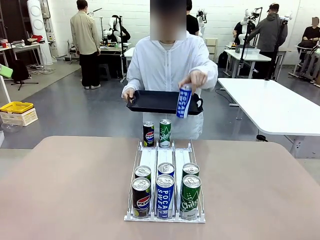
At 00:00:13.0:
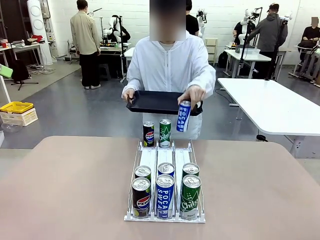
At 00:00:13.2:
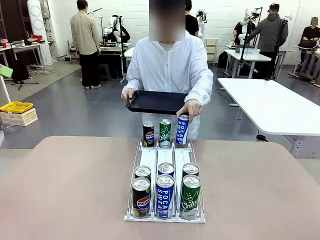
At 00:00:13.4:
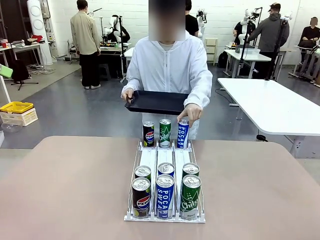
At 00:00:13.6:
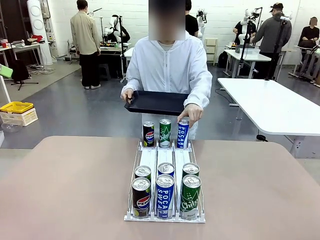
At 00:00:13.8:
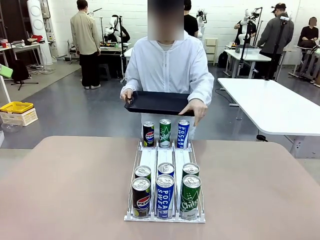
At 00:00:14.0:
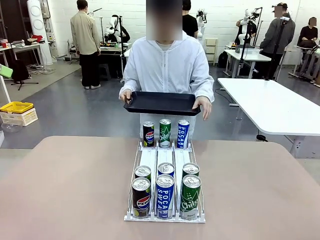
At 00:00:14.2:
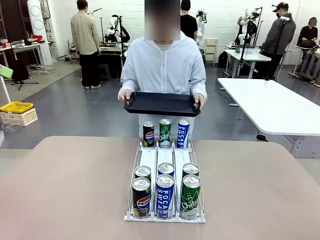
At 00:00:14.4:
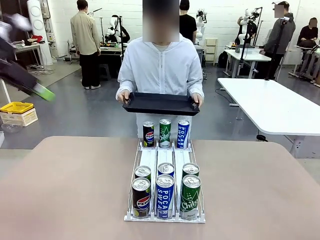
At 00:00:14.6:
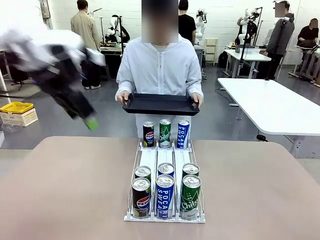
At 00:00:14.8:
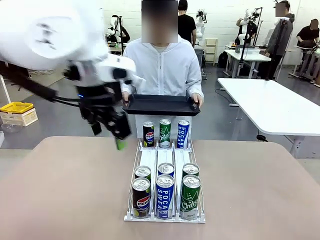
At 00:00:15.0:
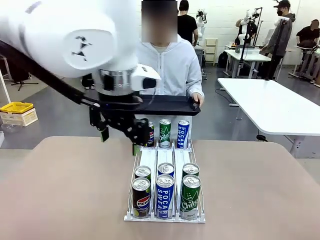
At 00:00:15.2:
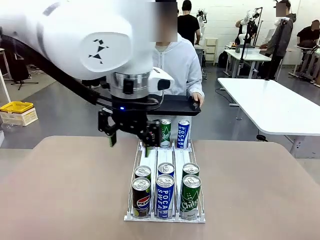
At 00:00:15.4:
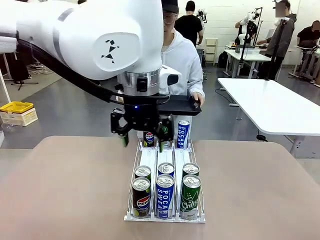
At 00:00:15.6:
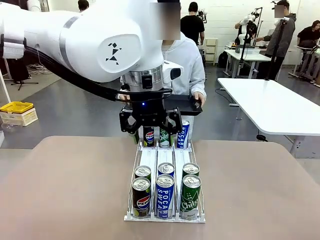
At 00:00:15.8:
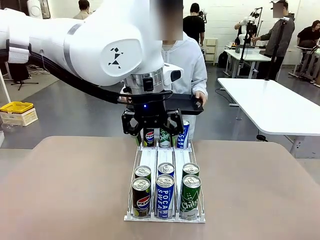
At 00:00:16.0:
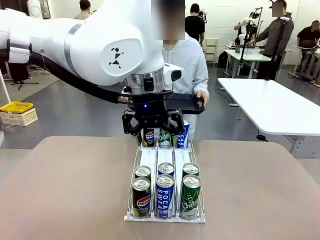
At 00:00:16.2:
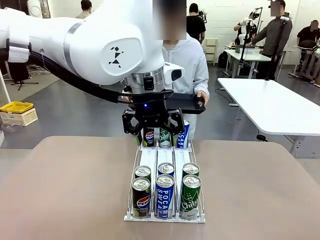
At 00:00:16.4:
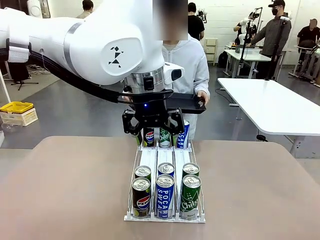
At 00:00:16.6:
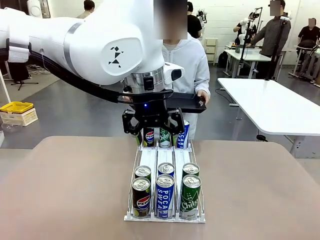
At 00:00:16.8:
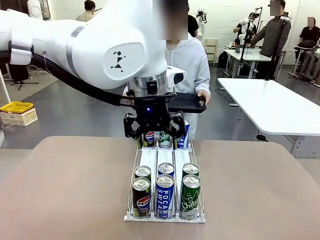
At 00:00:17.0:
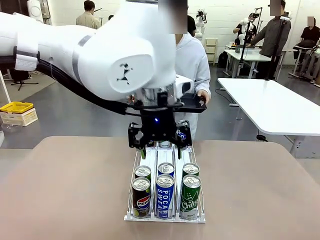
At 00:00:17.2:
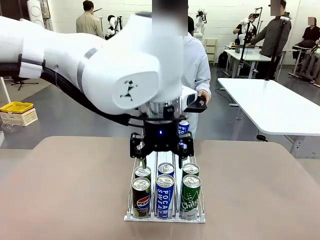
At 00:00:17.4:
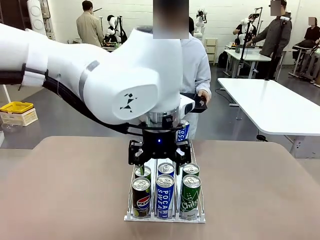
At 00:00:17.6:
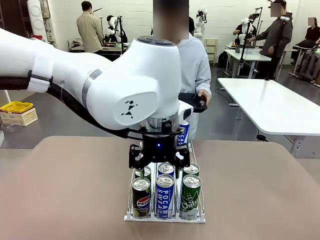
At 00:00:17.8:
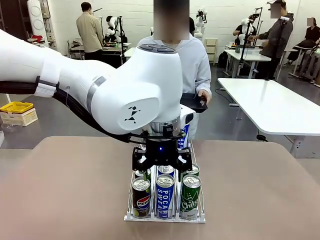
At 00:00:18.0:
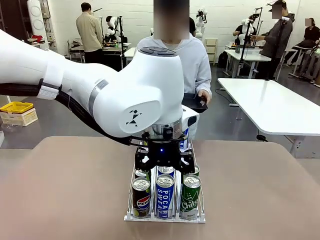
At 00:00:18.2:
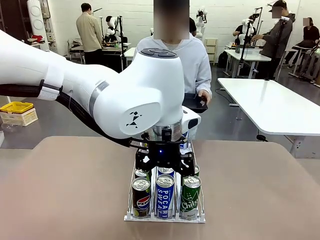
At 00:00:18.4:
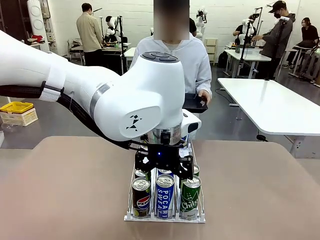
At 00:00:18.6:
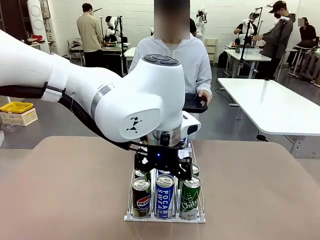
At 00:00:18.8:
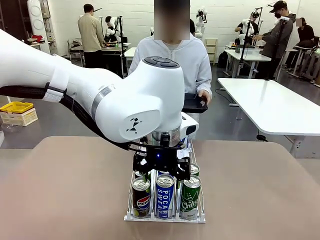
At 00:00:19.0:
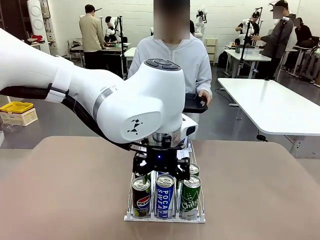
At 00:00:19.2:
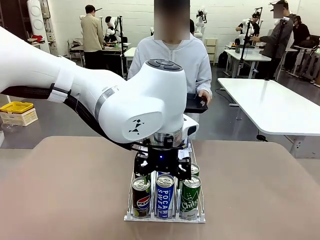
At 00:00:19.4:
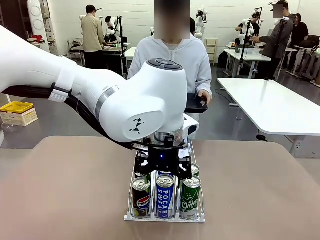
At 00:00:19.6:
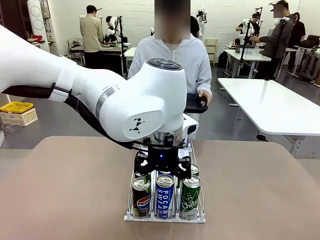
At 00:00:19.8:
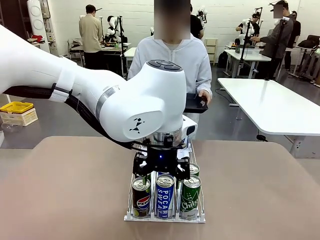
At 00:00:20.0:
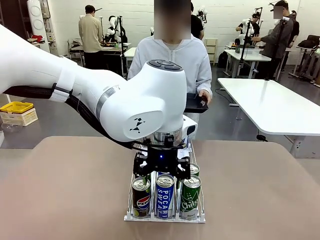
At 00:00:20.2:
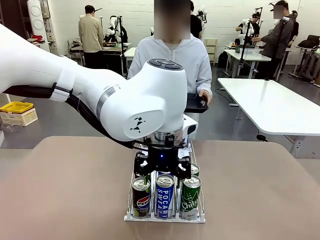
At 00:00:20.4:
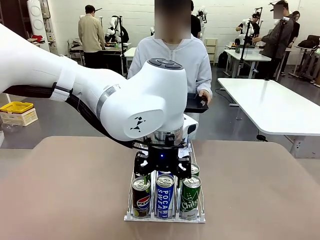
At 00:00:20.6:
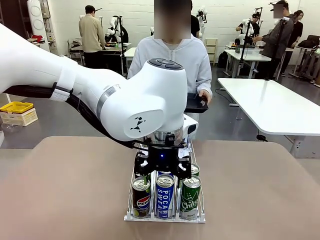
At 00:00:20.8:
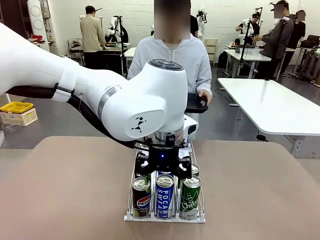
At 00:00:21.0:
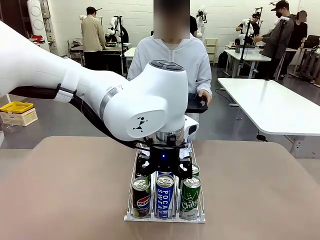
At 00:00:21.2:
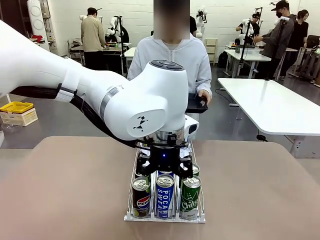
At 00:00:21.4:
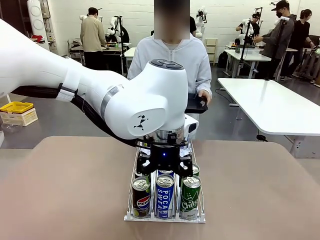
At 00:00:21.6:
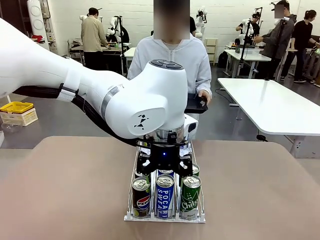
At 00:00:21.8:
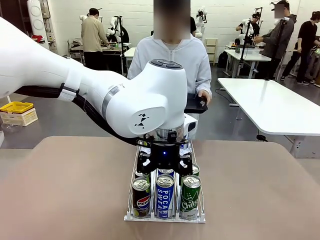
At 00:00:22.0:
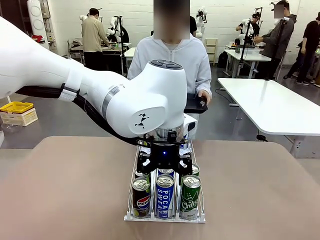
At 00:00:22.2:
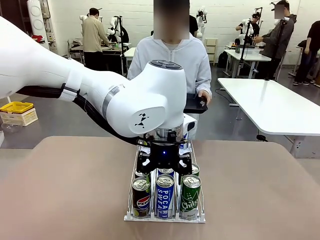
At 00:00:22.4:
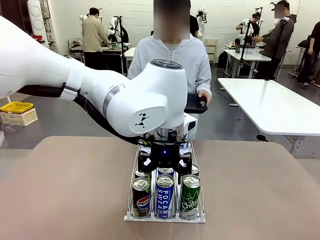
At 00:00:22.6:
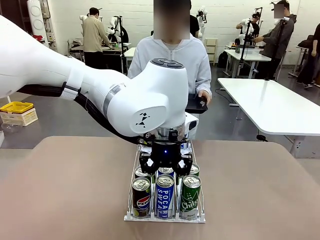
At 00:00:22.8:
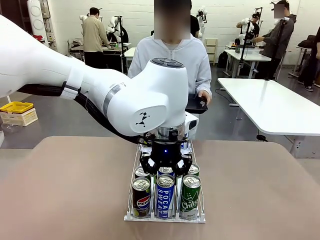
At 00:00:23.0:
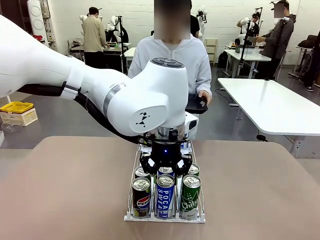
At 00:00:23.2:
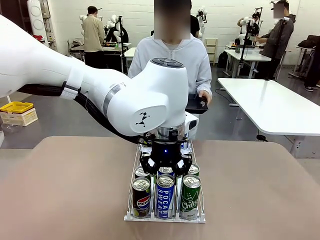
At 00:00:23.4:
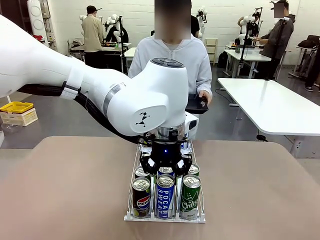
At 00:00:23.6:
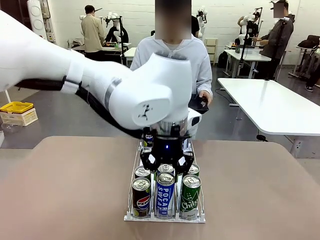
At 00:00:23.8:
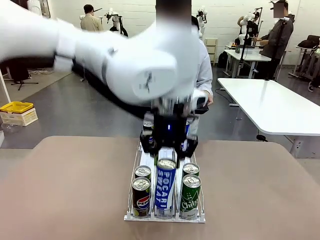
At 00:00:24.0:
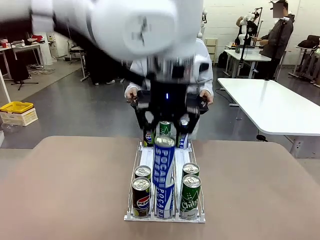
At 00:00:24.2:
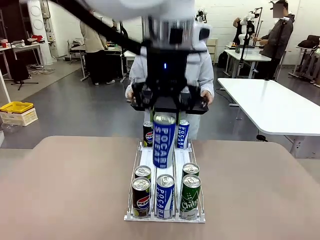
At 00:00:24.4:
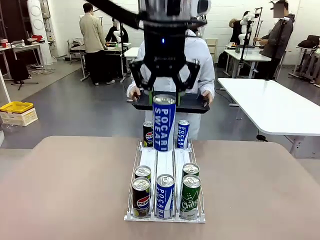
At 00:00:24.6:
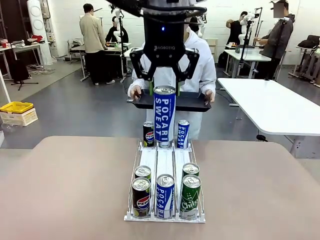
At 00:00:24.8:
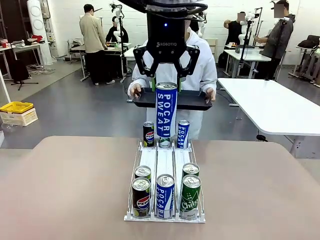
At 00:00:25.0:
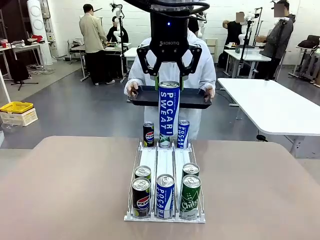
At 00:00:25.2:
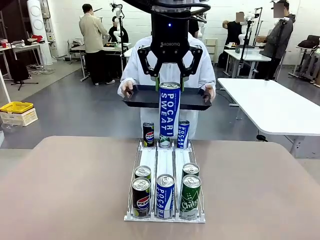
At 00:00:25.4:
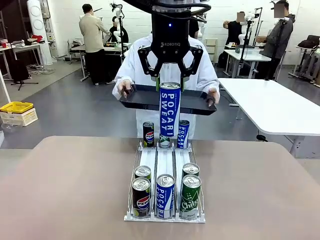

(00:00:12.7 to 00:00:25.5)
Task: Retrieve and hand over the desired beverage to the person.
Robot: Pick up a can of the same type that the person held from the Automatic Can Dispenser.
Person: Push the tray toward the robot.

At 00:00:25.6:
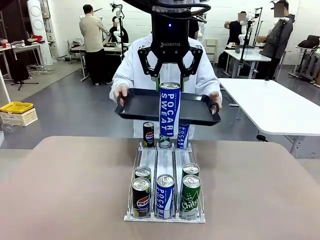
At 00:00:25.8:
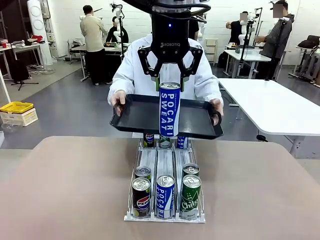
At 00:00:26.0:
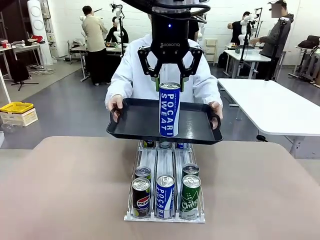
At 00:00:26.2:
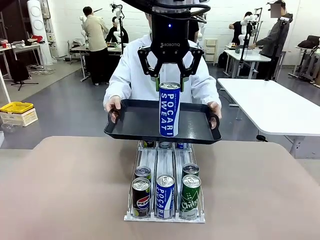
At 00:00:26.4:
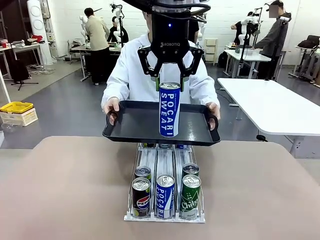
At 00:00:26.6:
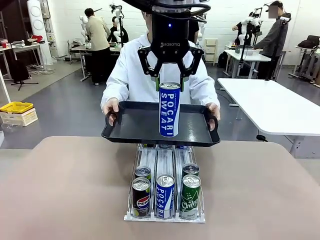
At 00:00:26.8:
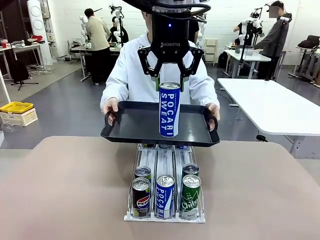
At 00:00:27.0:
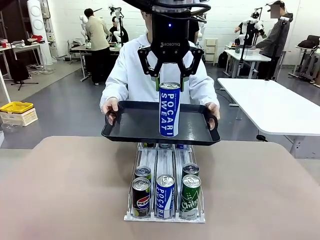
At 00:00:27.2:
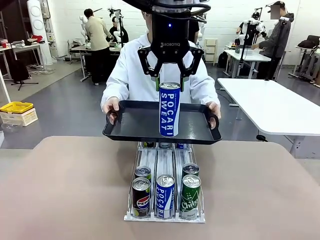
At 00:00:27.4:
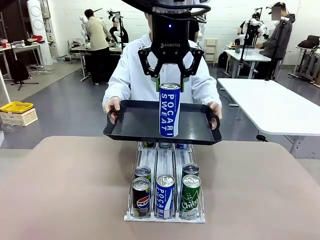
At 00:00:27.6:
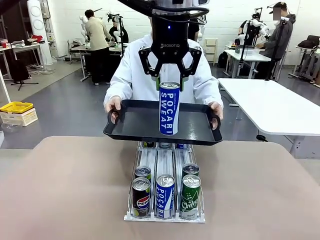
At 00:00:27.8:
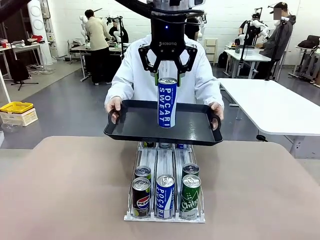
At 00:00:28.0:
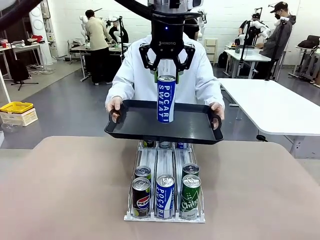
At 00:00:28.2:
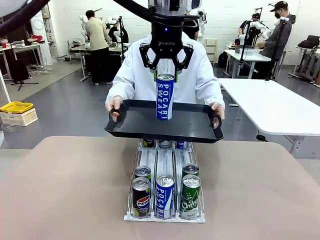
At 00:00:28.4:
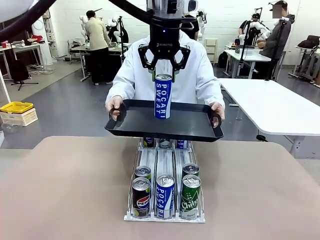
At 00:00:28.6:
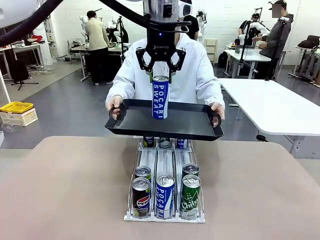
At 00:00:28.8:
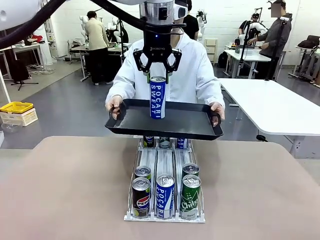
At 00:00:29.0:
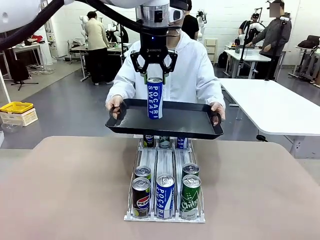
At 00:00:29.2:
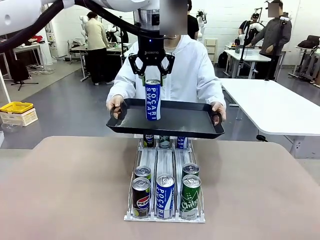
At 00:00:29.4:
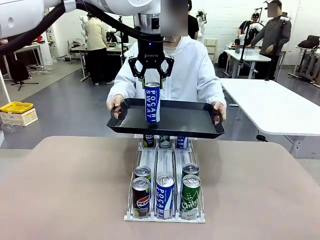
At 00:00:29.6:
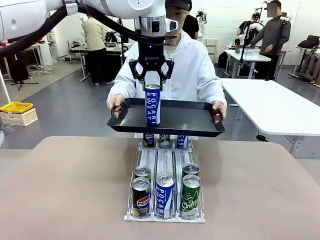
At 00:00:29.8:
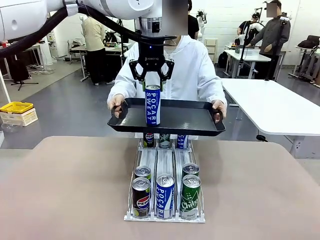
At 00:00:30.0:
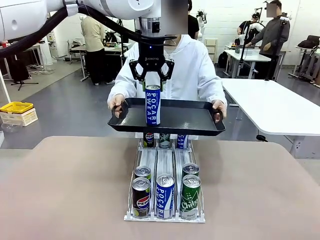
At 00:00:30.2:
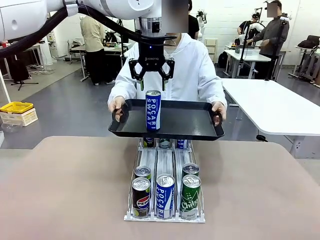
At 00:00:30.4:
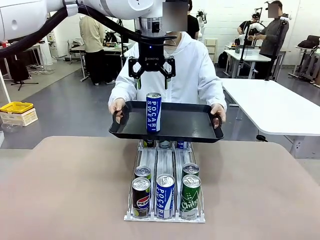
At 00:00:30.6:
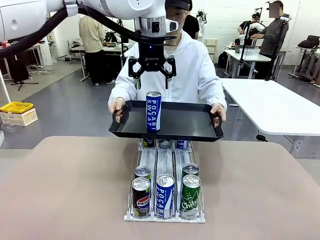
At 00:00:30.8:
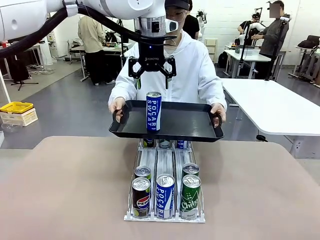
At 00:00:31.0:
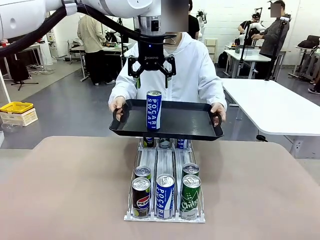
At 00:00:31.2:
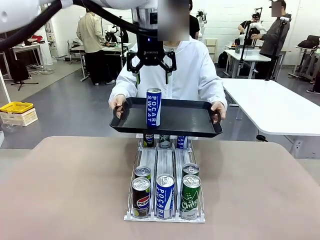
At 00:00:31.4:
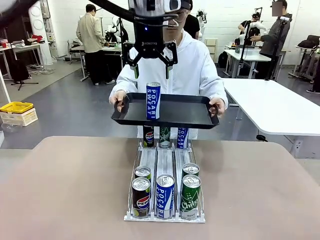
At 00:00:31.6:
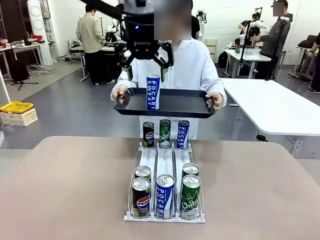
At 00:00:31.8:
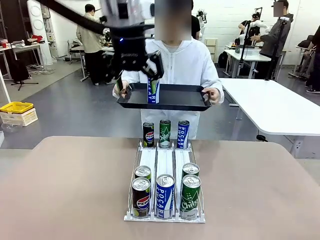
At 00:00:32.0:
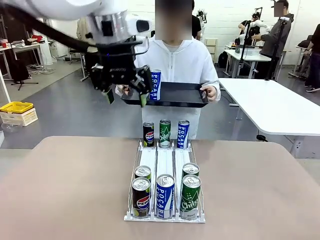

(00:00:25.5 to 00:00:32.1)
Robot: Place the picked can on the Handle tray extended by the person.
